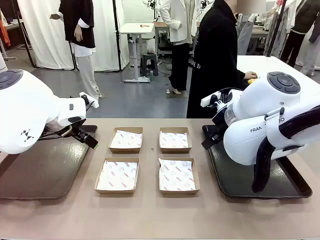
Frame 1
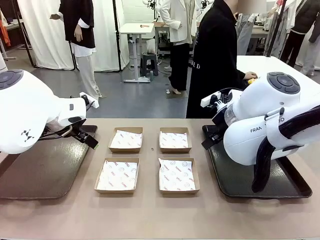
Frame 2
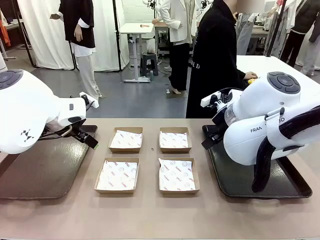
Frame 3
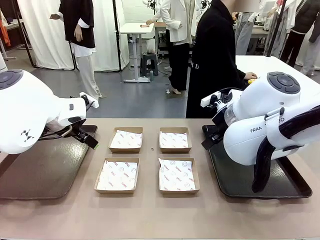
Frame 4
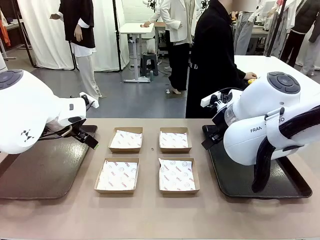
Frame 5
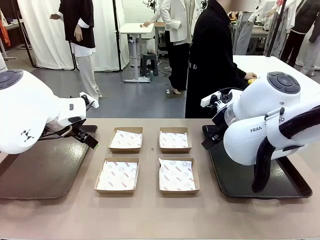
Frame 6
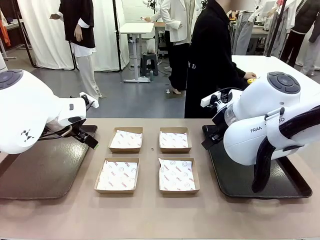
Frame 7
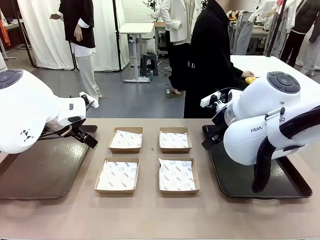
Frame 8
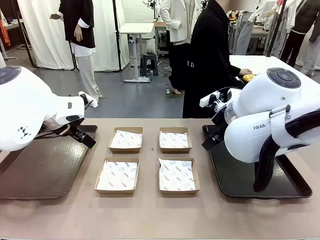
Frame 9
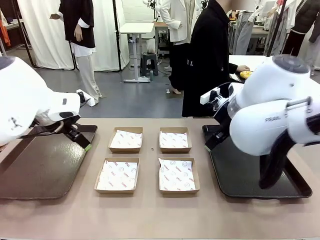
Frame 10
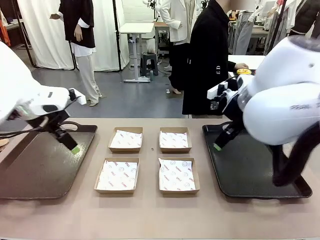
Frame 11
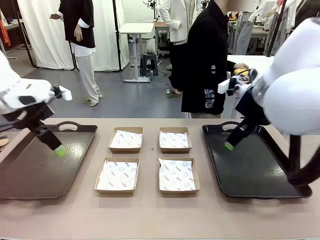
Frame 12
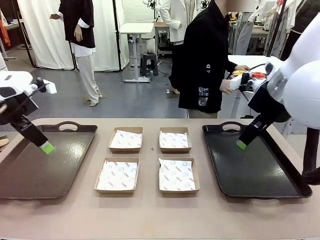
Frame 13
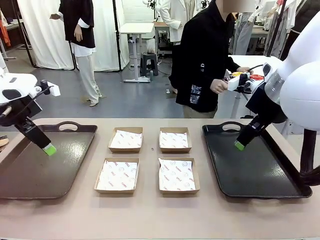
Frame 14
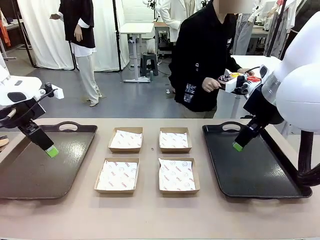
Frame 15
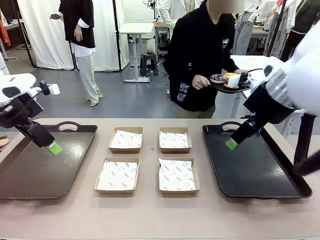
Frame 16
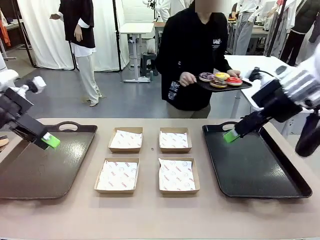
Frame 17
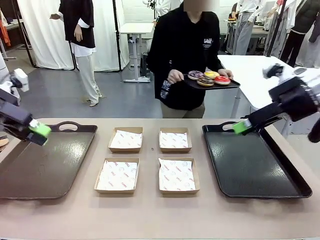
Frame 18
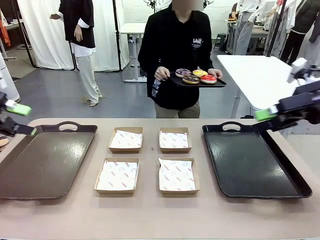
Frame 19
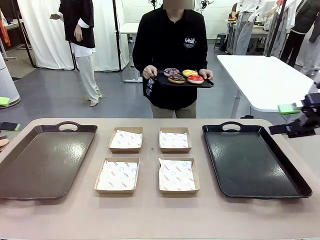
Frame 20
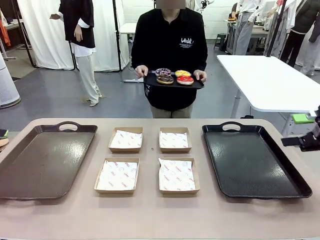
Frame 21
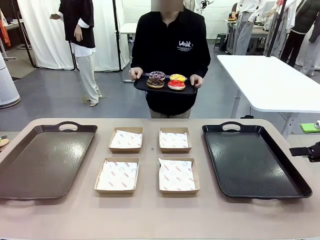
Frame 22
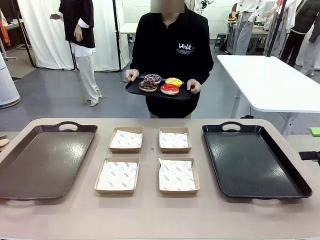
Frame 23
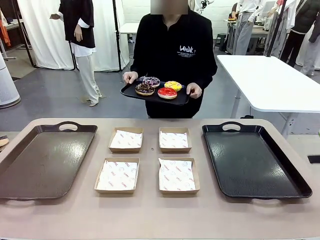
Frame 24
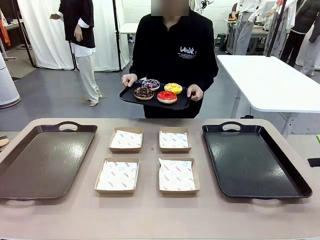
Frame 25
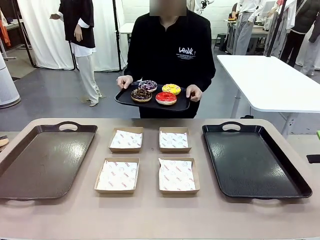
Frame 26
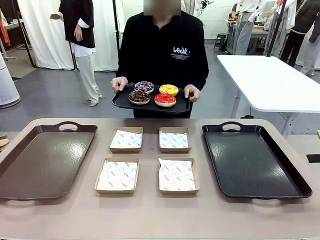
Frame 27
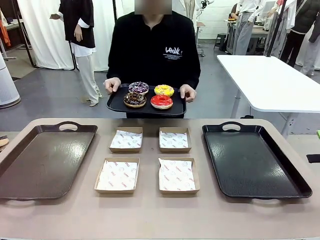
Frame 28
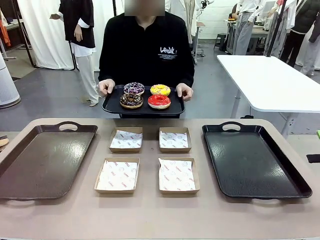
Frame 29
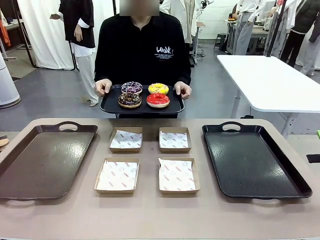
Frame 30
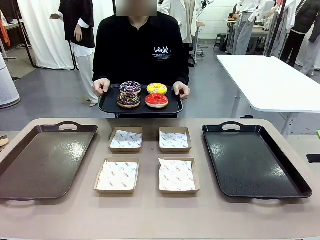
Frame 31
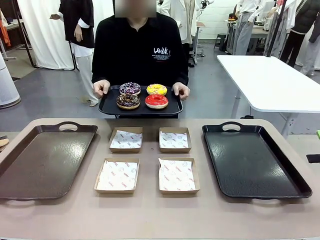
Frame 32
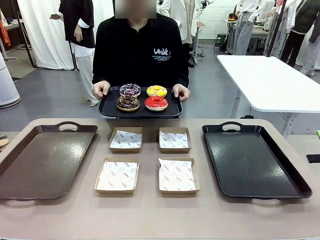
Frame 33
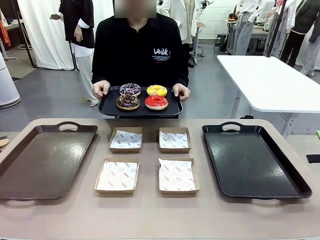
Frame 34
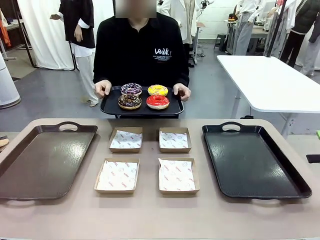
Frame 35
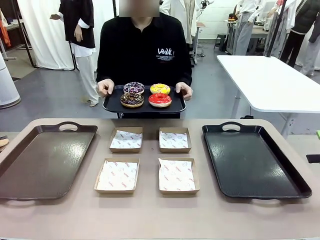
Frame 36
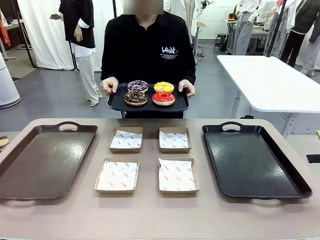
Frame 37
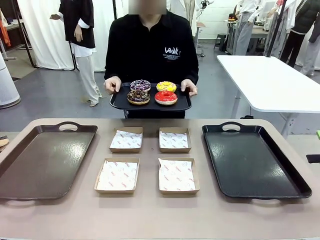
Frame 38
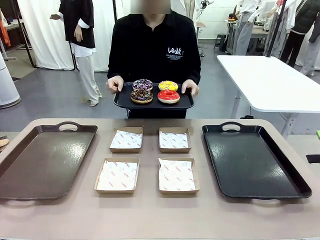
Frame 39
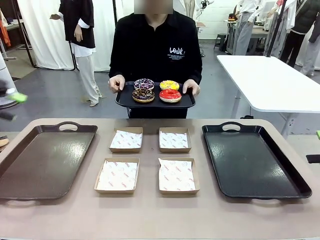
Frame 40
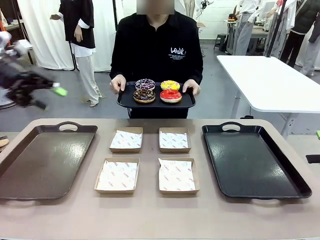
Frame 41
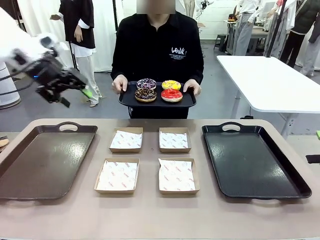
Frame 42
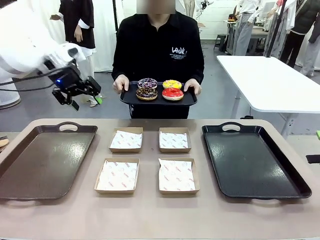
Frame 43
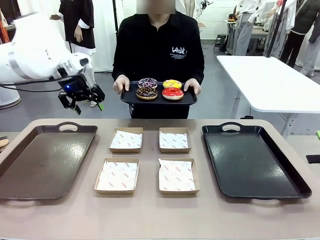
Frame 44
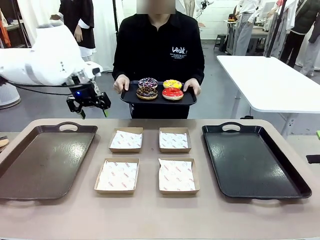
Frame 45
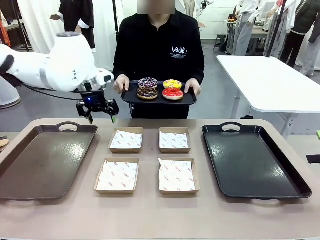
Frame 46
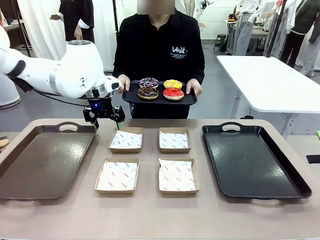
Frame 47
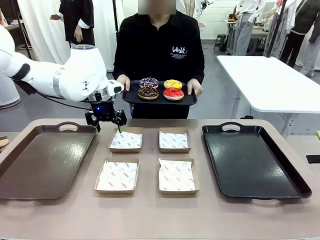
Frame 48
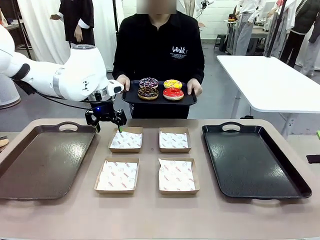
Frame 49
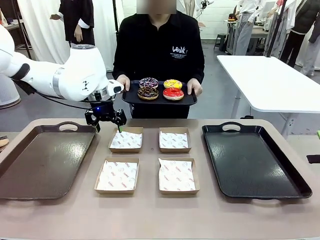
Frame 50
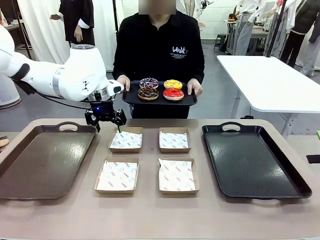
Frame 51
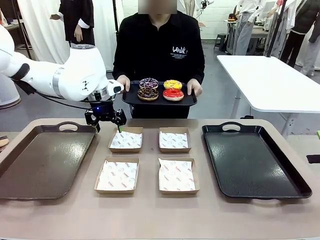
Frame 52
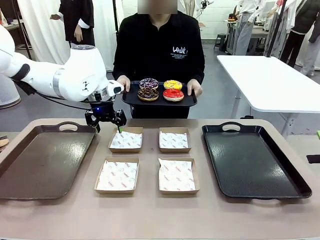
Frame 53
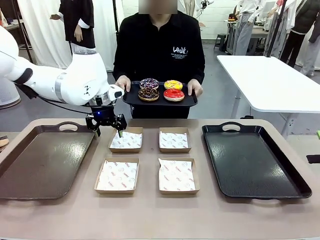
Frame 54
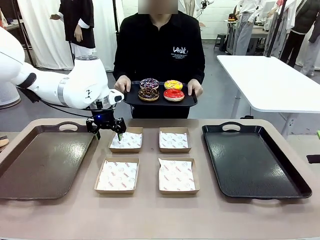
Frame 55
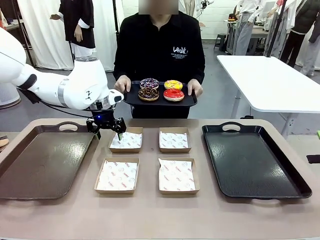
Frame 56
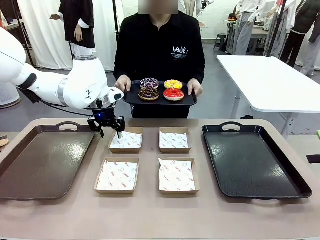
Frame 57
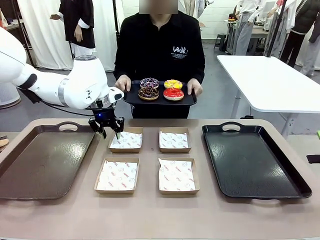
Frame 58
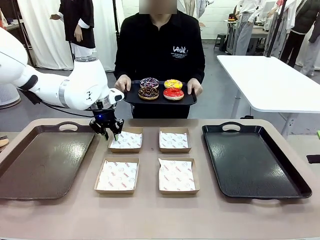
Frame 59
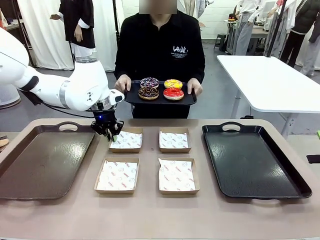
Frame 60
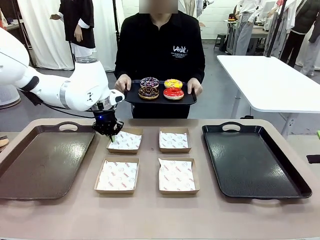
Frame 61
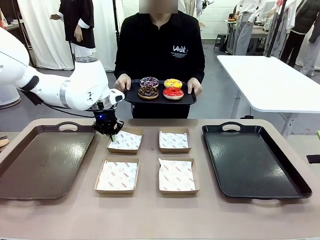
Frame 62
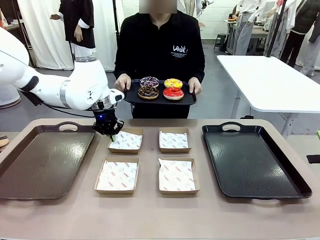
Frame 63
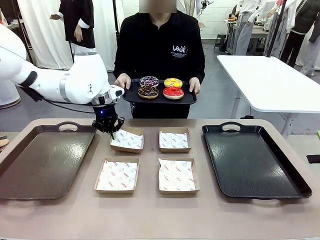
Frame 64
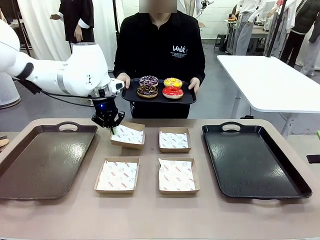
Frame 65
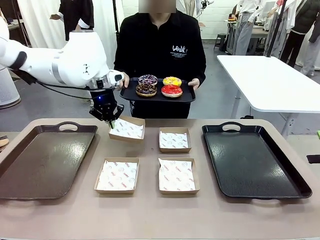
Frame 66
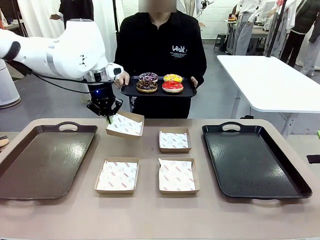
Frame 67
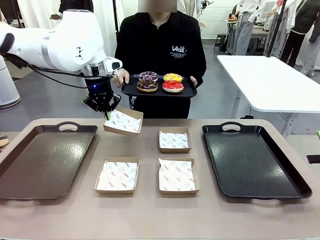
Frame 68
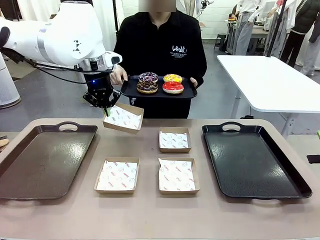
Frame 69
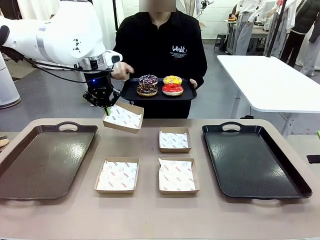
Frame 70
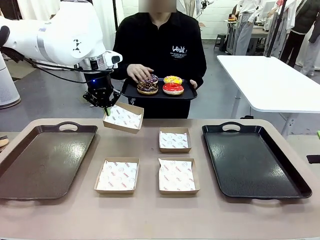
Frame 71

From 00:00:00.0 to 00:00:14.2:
Task: Individually package the donuts and arrange them on the tray.
Robot: Pick up one Paper togo box.
Person: Stand in front of the robot table holding the tray containing the donuts.

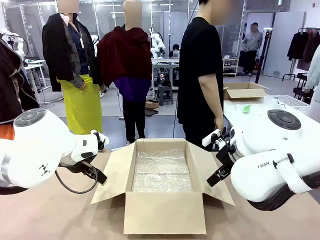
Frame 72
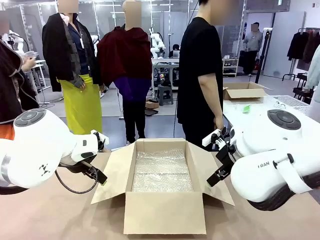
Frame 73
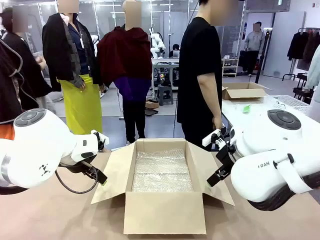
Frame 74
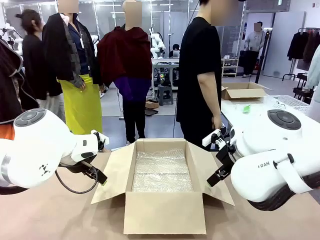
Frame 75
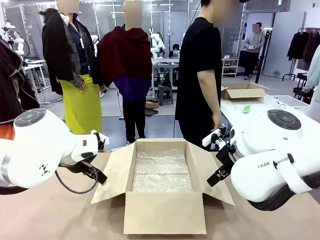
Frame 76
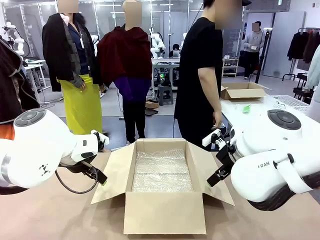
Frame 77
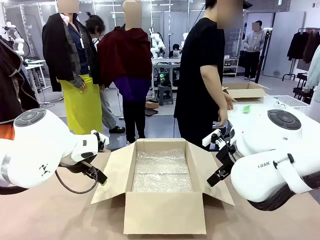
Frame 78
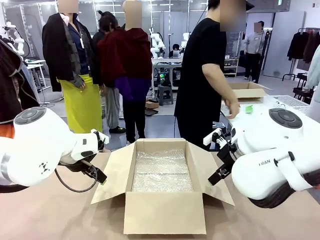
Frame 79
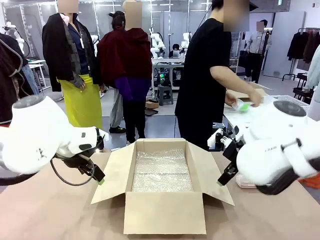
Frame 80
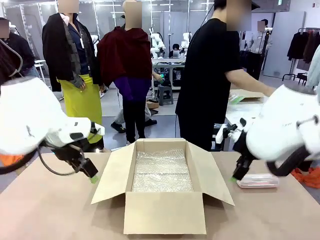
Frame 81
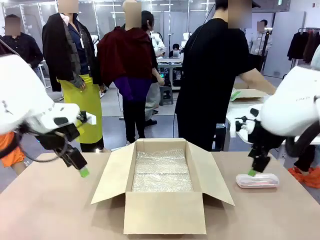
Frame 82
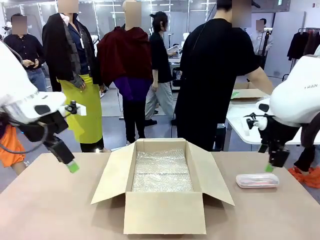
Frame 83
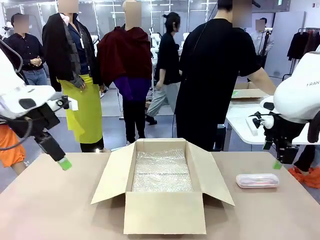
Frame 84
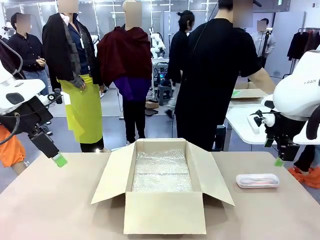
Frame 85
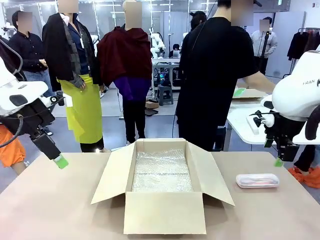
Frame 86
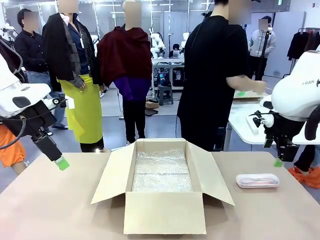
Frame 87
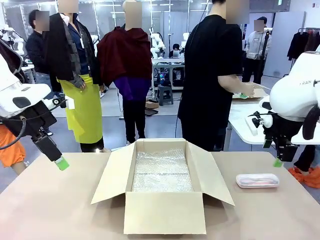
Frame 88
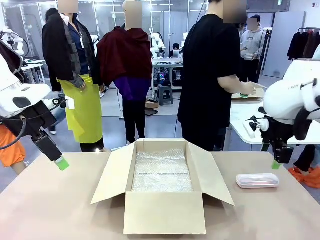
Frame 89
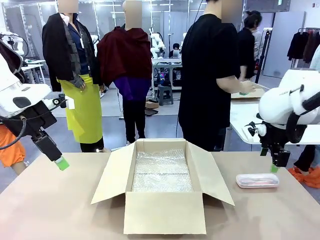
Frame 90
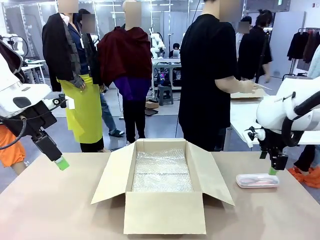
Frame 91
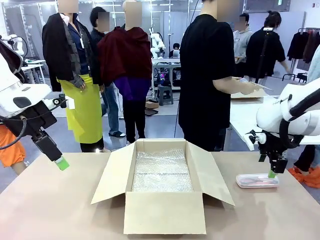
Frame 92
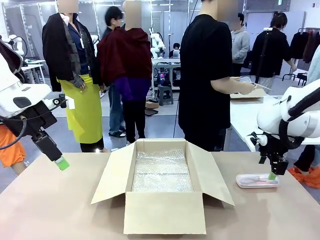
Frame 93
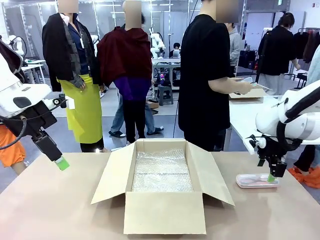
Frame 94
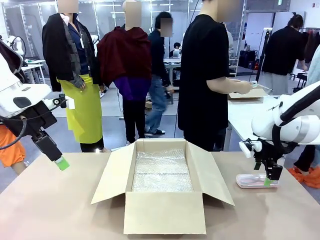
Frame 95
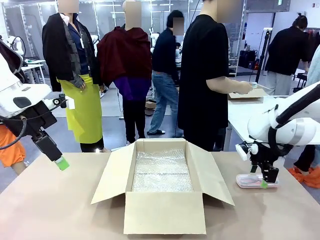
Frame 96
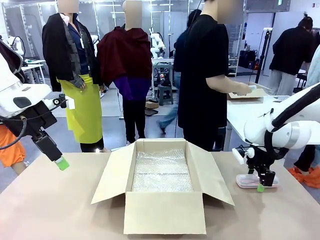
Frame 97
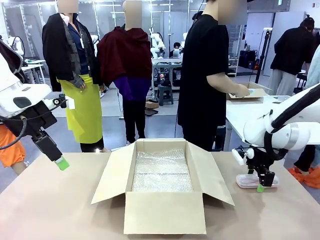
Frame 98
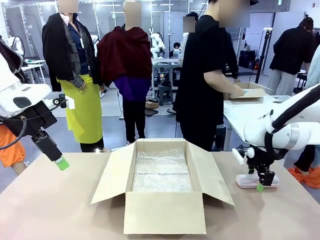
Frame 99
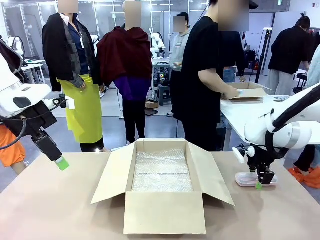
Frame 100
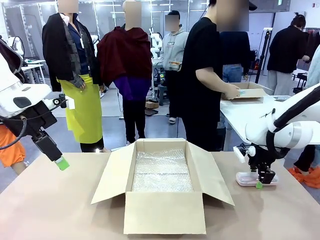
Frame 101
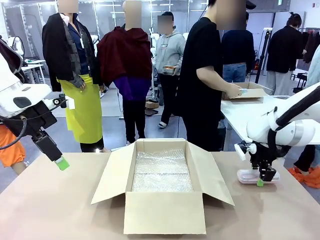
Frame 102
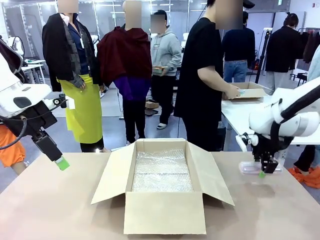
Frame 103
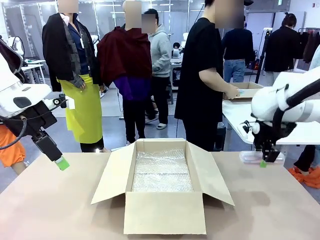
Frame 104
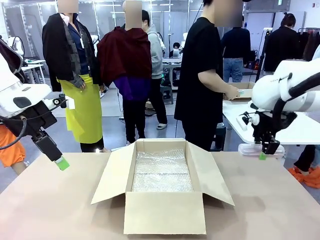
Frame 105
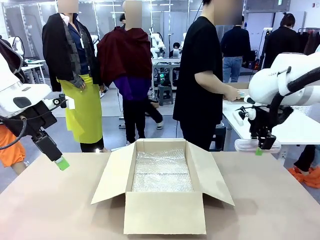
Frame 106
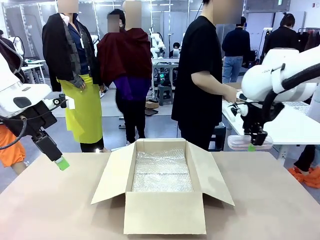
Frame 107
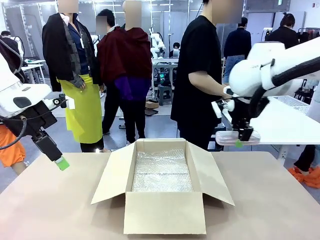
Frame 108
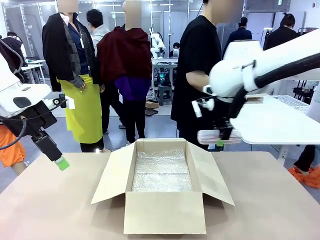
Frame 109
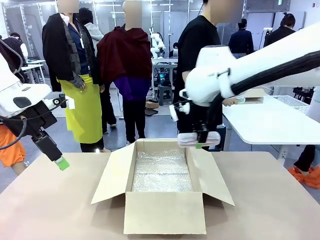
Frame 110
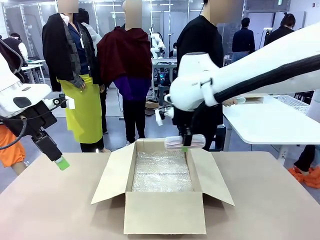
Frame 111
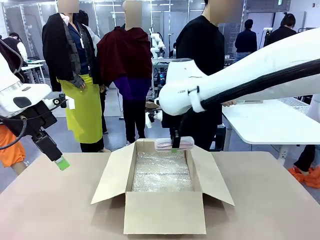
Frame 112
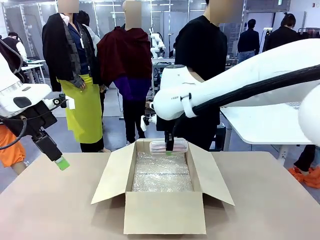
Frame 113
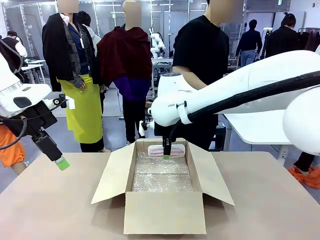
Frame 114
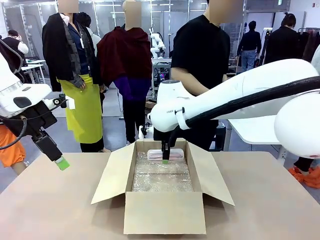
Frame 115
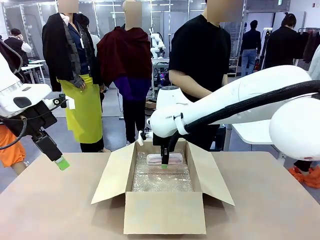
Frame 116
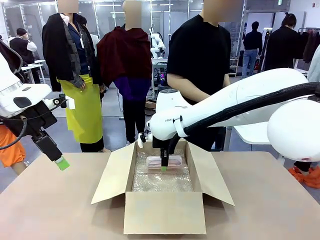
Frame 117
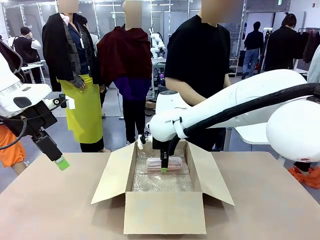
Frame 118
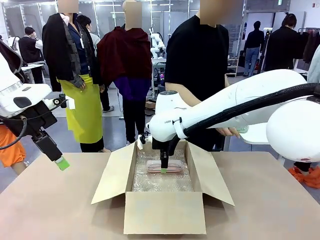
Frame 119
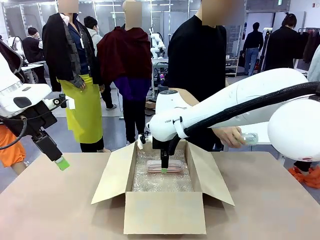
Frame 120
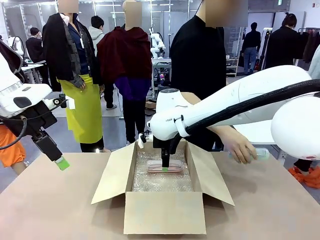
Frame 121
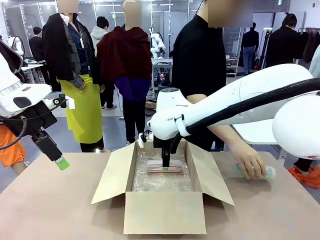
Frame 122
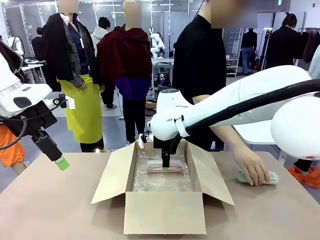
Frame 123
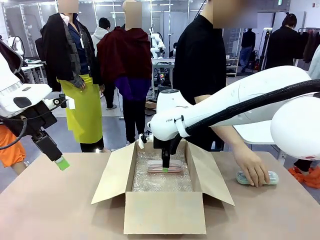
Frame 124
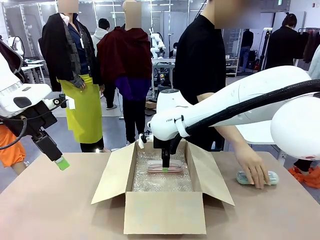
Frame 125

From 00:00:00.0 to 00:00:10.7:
Task: Pack the glasses set securely to prepare it for shipping.
Robot: Place the Glasses case inside the Package Box.
Person: Place the Glasses inside the Glasses case. Position the Glasses case on the left side of the robot's table.
